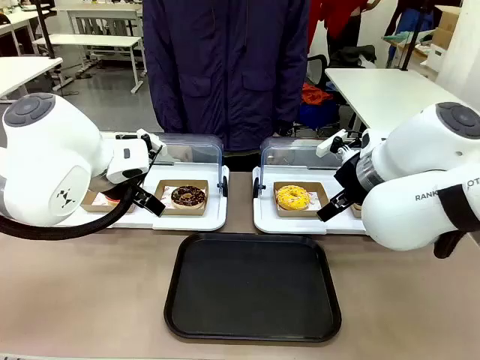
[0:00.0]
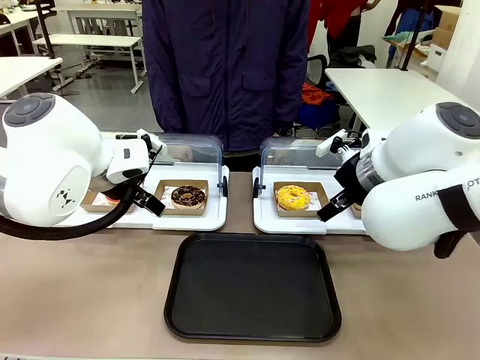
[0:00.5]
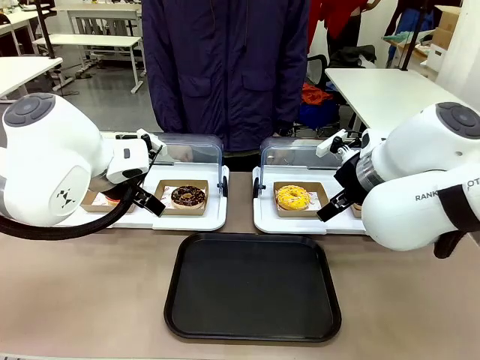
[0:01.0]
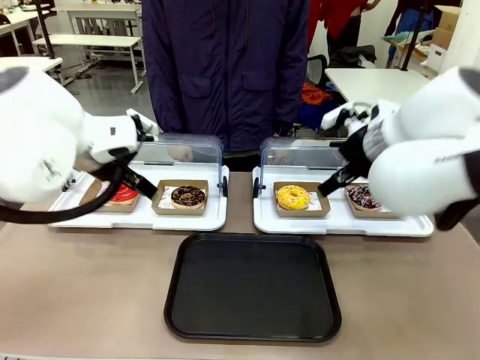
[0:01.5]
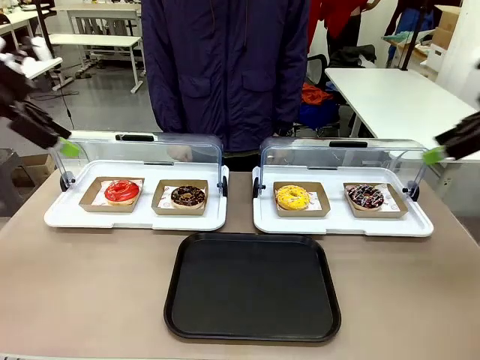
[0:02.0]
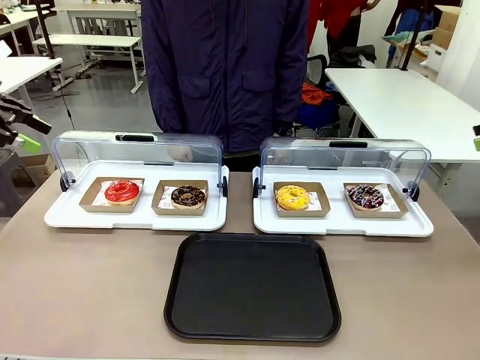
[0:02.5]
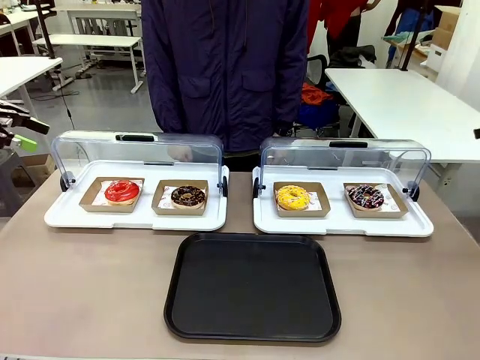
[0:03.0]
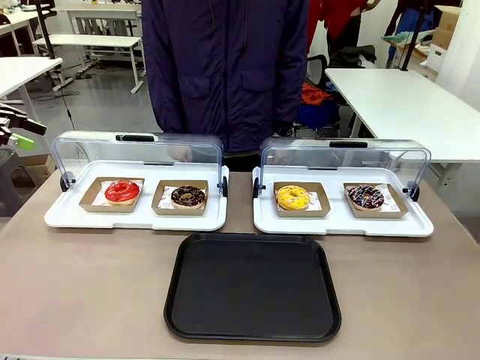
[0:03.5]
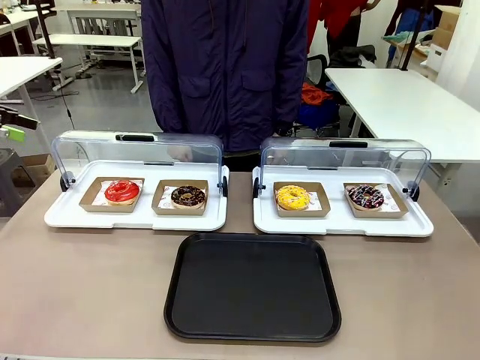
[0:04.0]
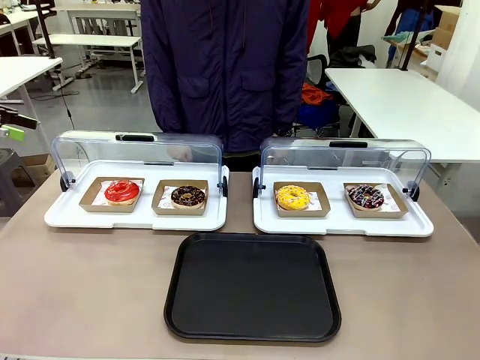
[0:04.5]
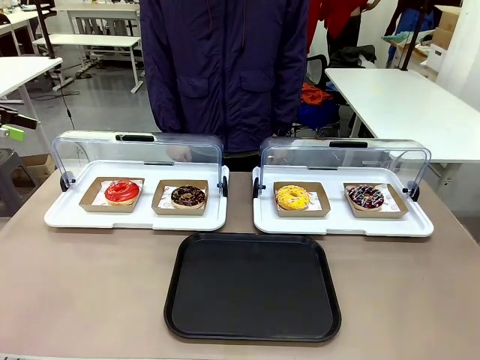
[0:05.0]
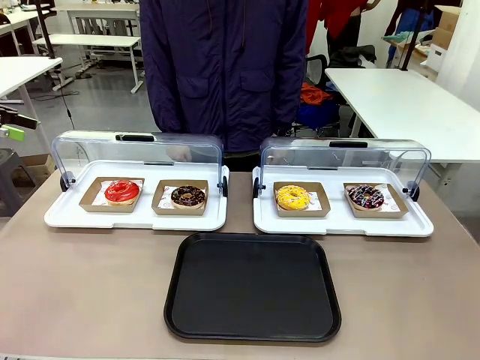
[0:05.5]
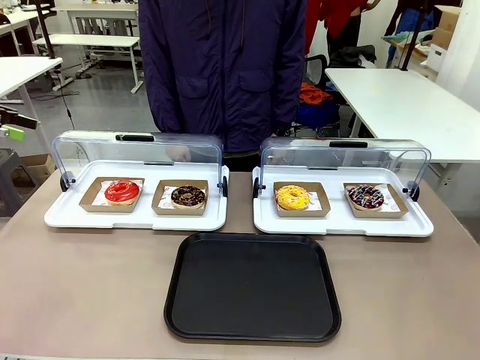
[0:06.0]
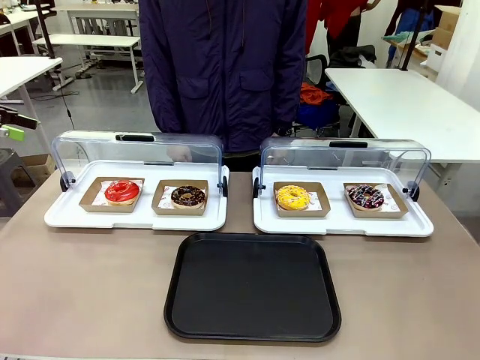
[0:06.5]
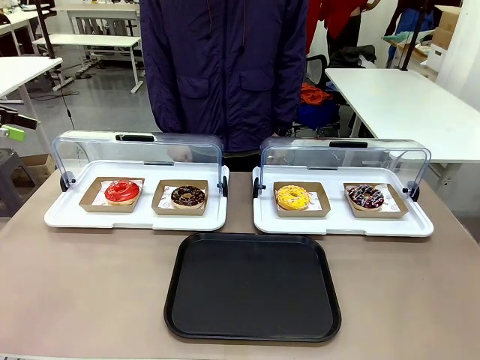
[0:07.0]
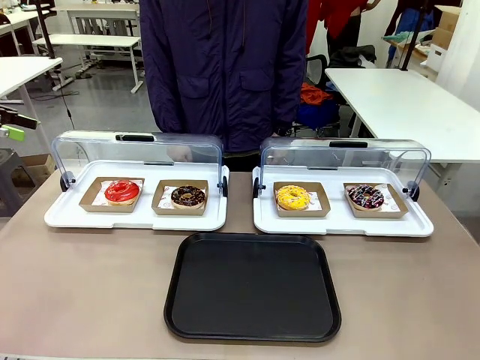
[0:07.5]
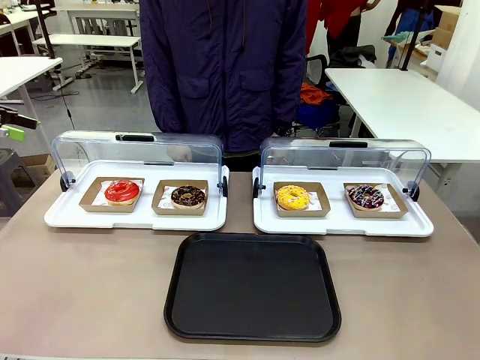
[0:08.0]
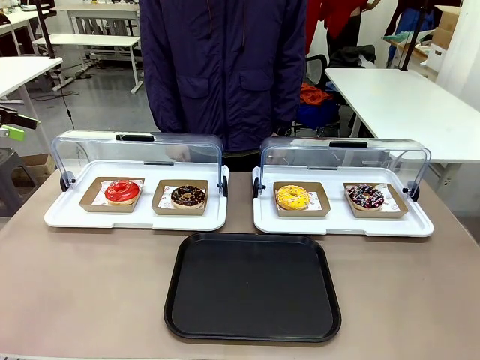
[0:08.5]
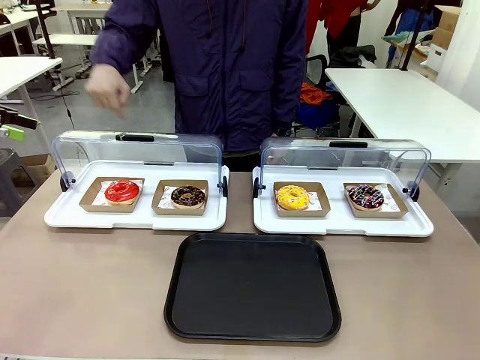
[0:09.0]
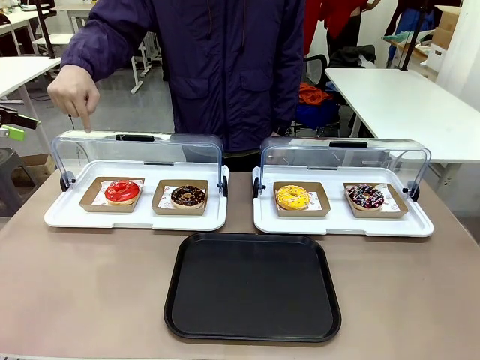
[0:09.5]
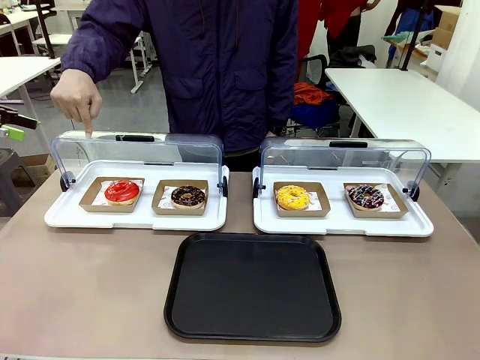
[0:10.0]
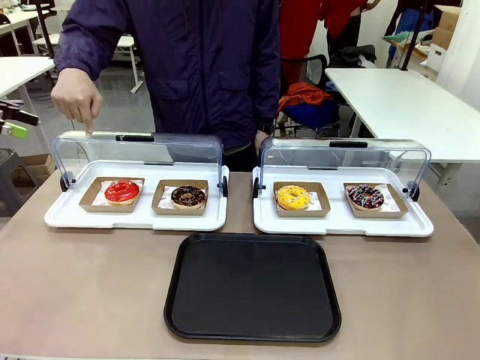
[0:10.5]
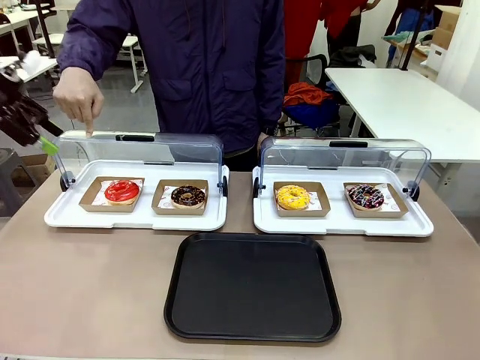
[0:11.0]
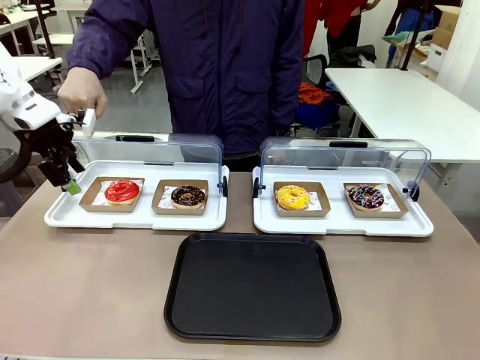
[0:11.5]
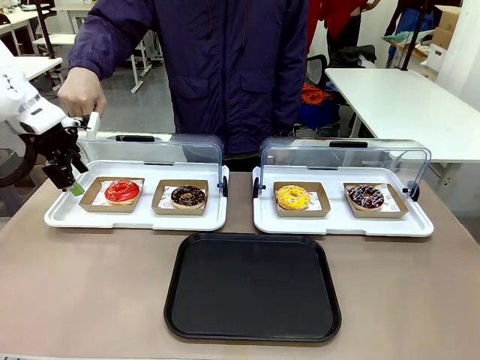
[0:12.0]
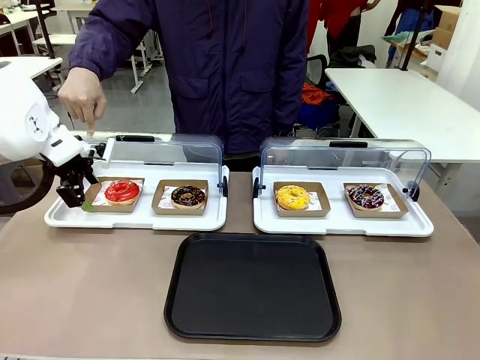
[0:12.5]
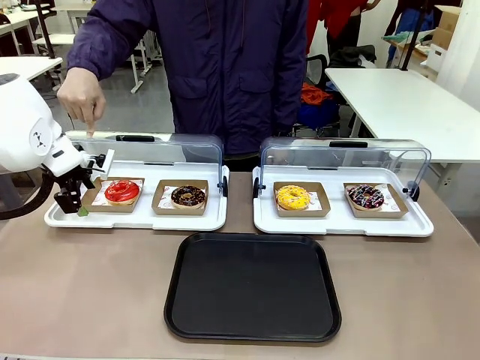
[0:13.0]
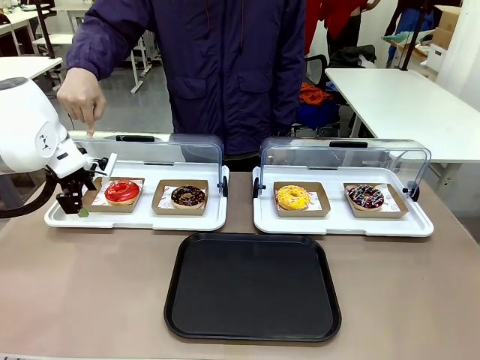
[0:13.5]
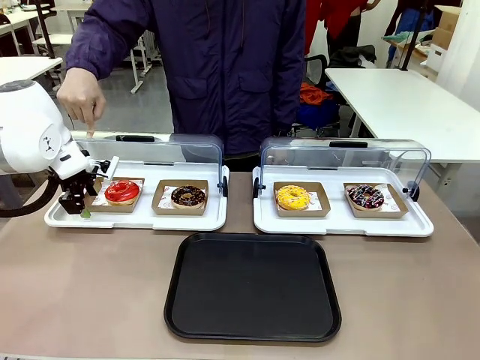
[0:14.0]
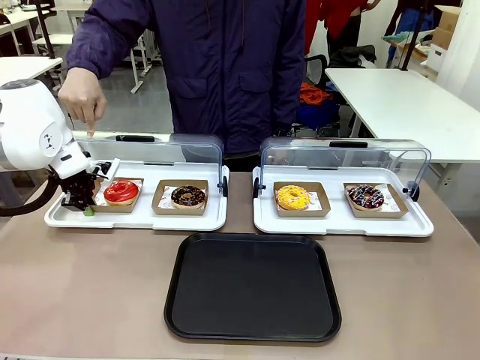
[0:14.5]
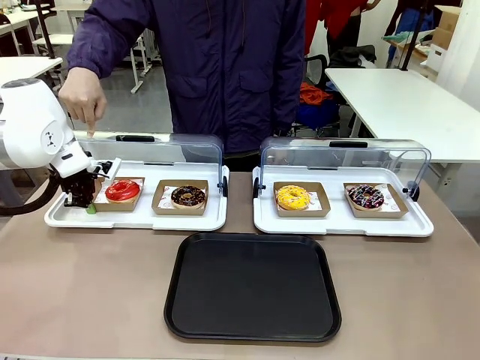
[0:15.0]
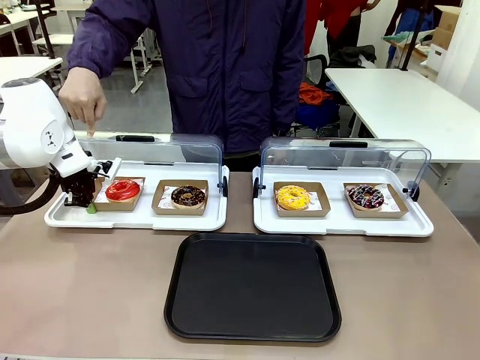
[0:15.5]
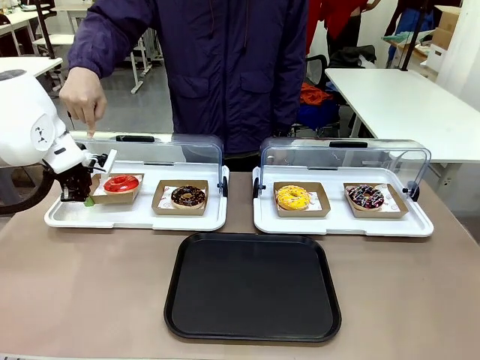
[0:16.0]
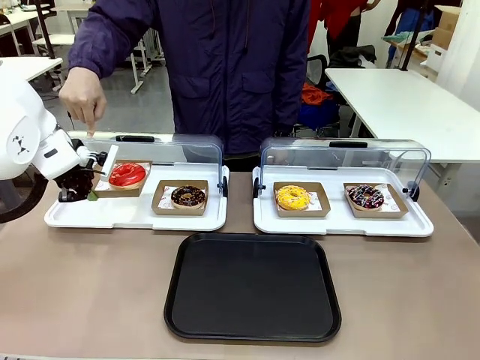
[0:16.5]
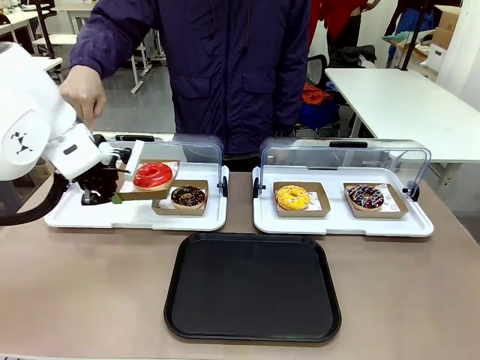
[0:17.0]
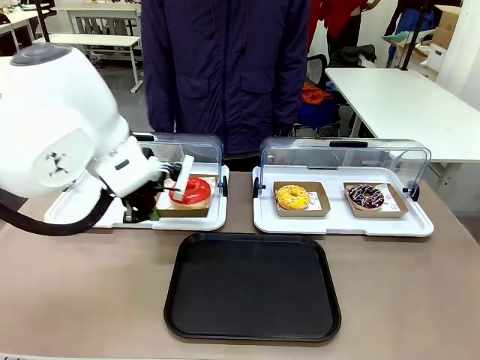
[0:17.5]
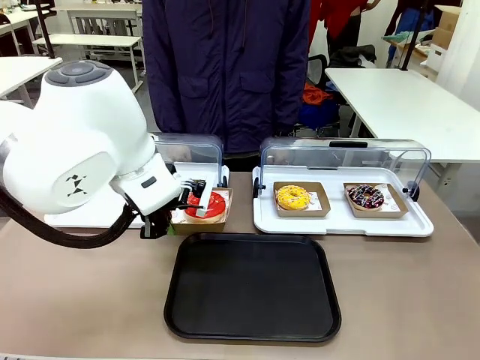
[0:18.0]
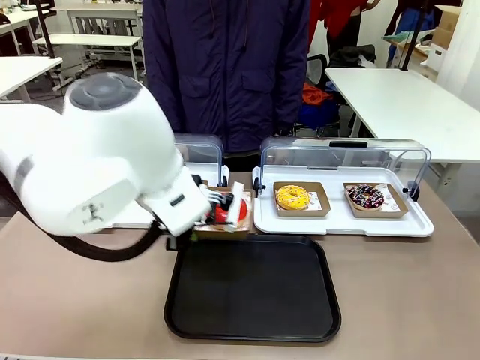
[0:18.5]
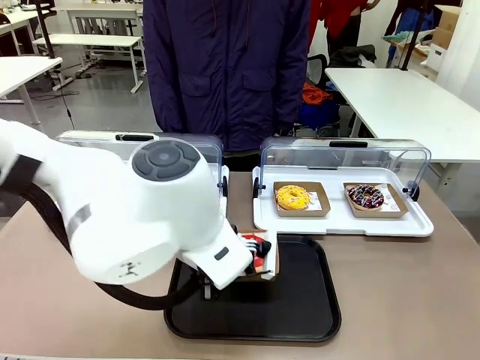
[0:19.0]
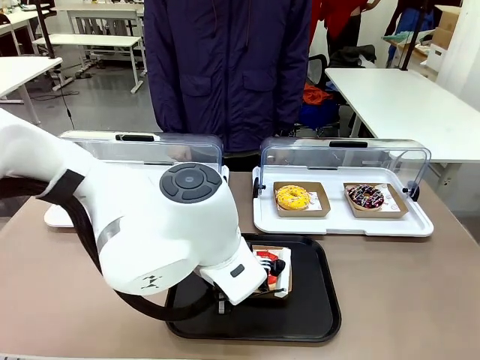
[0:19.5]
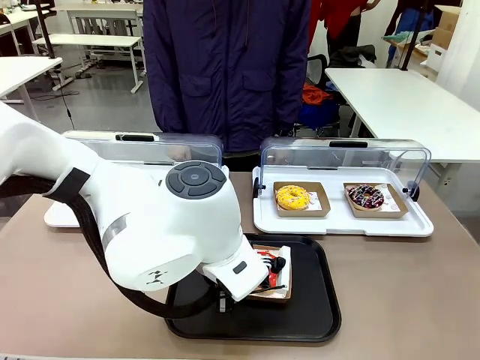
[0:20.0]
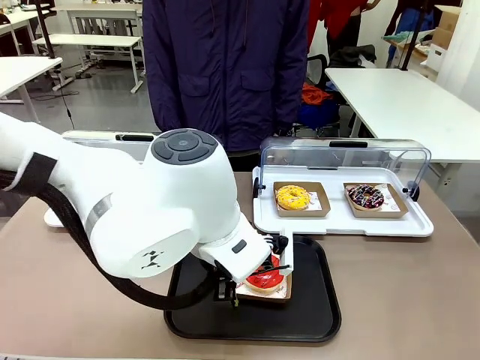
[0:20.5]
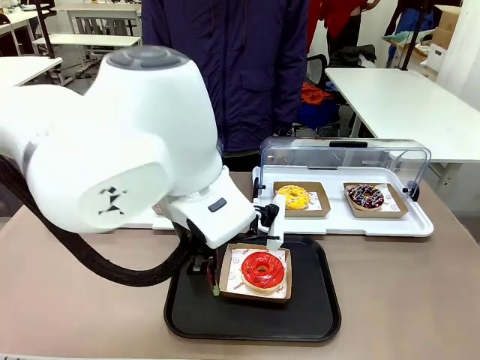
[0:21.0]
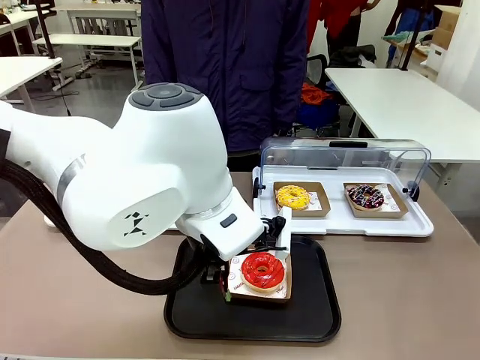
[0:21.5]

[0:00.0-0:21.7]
Task: Move the first donut from the left to the tray.
Robot: Pick up the Paper togo box containing the Donut indicated by the person and place it on the Handle tray.
Person: Points to the first donut from the left from the robot’s perspective.
